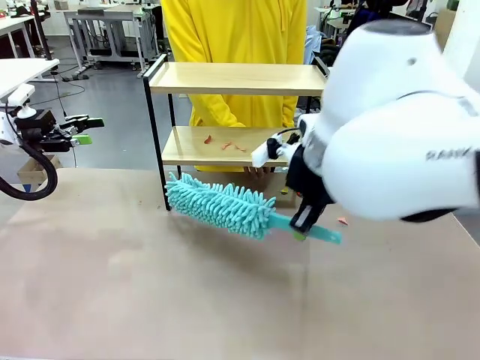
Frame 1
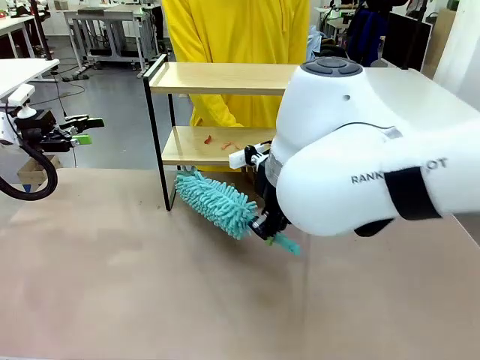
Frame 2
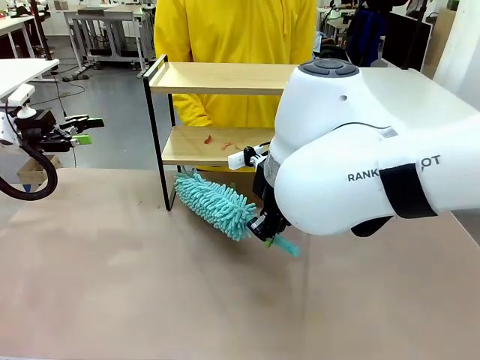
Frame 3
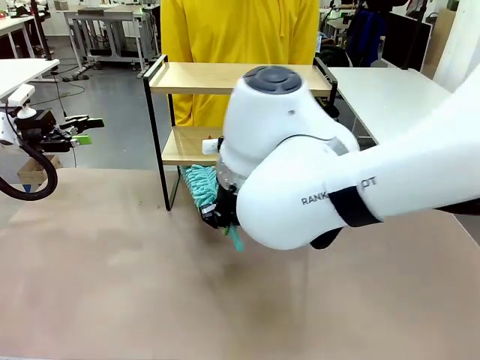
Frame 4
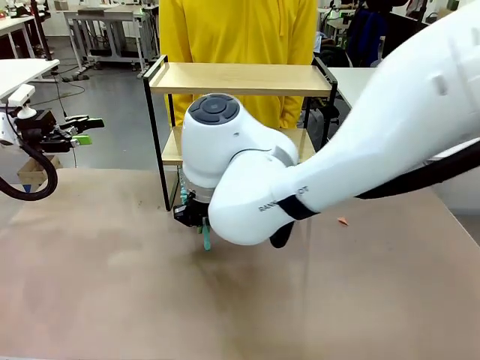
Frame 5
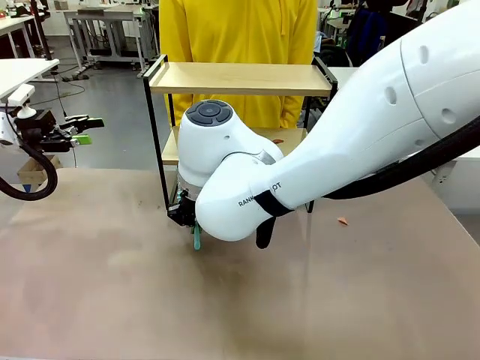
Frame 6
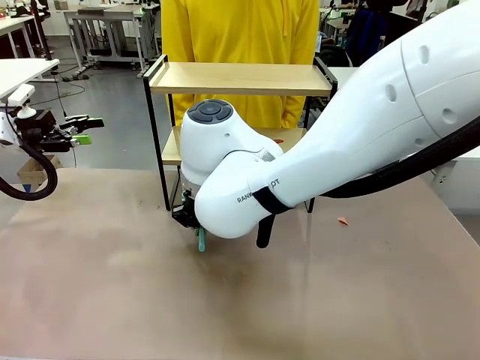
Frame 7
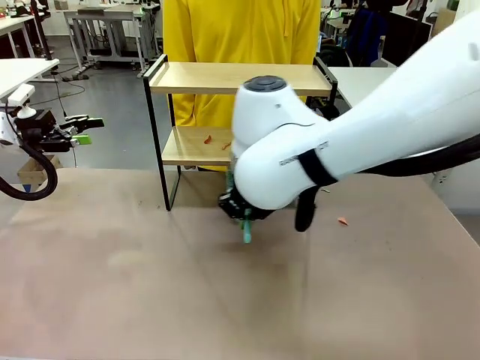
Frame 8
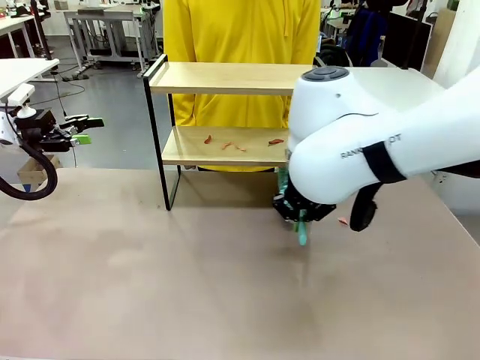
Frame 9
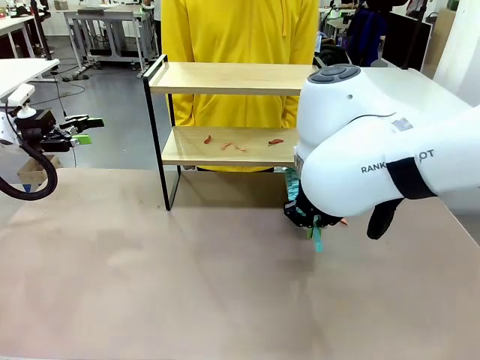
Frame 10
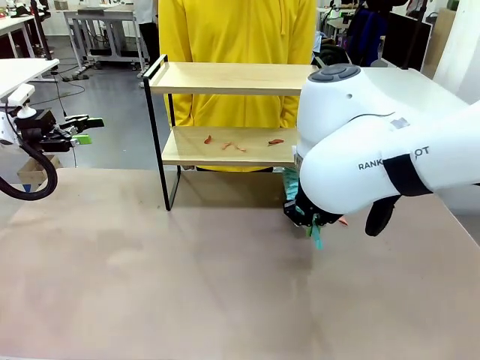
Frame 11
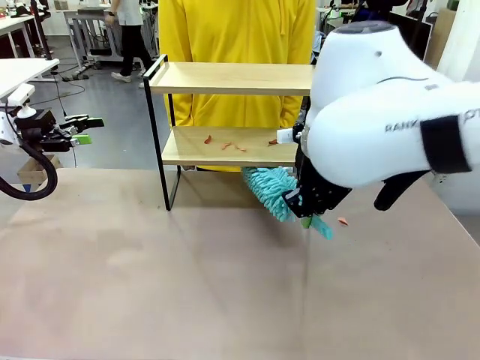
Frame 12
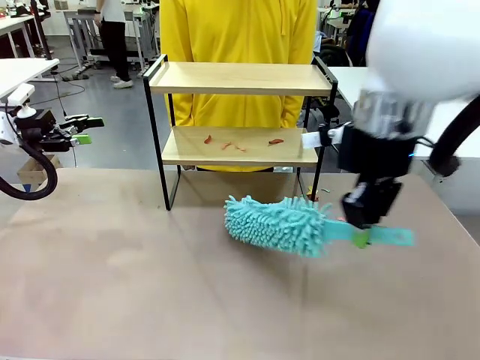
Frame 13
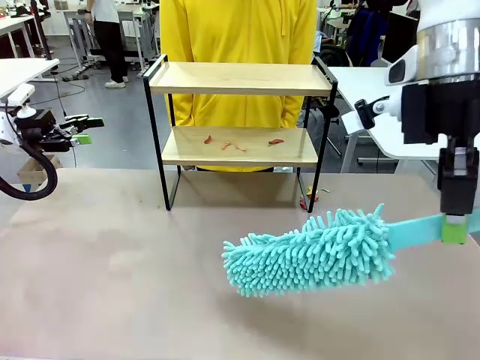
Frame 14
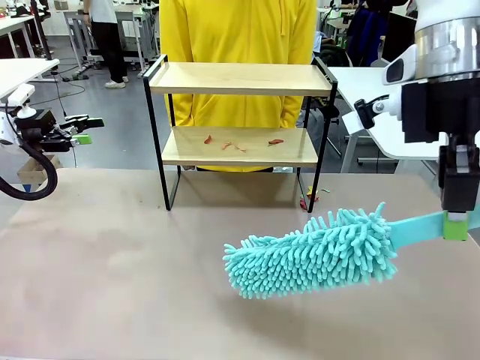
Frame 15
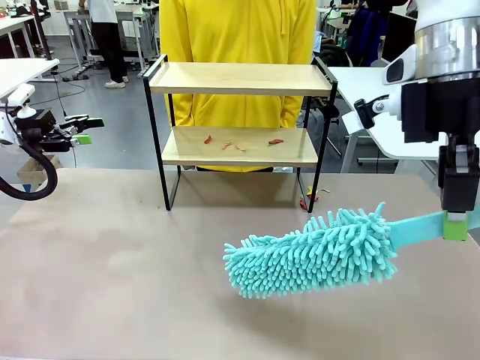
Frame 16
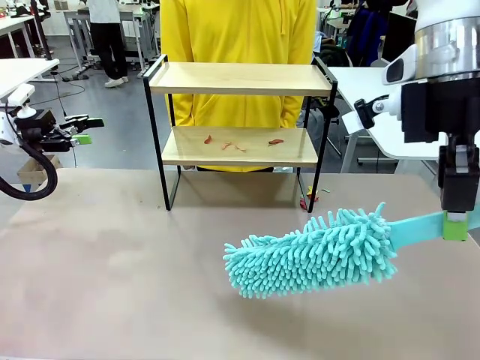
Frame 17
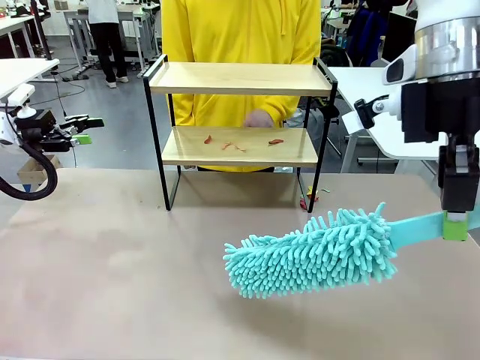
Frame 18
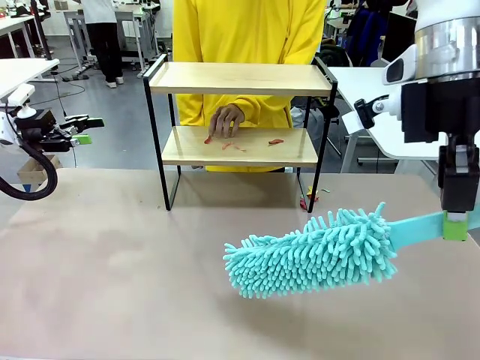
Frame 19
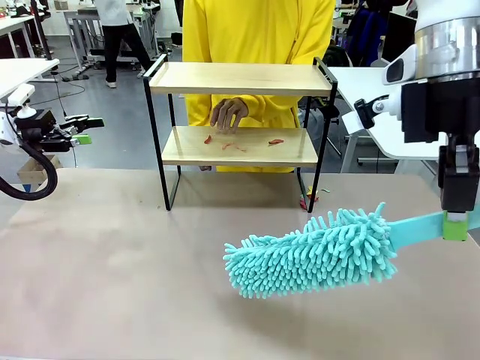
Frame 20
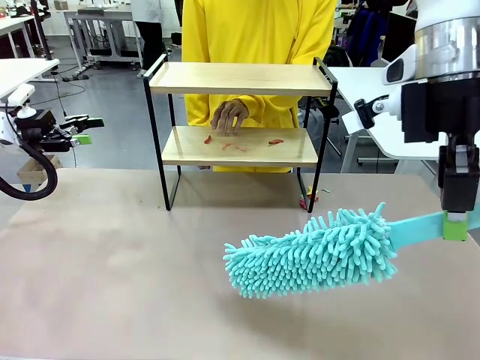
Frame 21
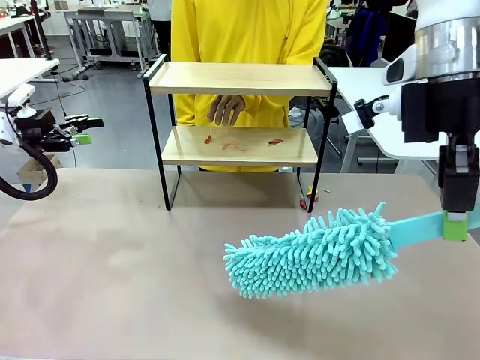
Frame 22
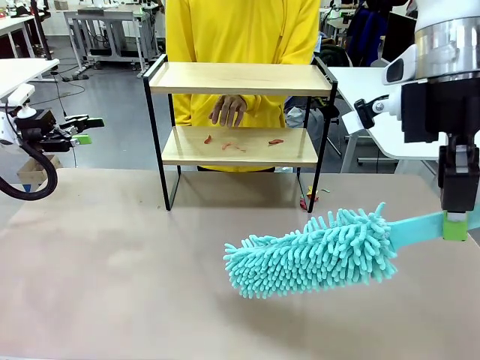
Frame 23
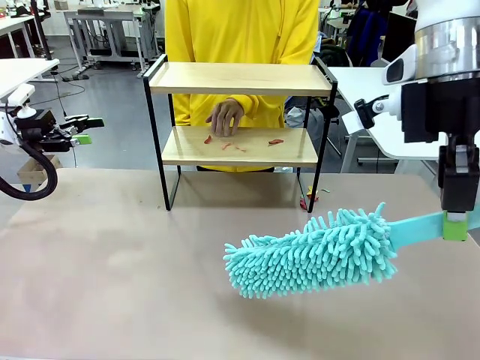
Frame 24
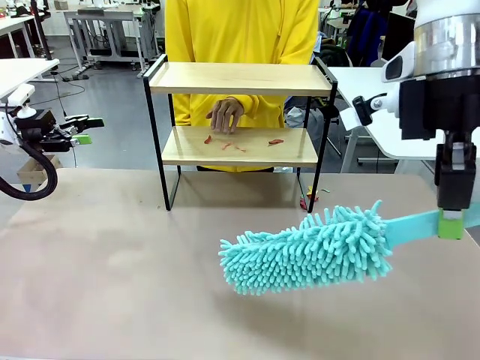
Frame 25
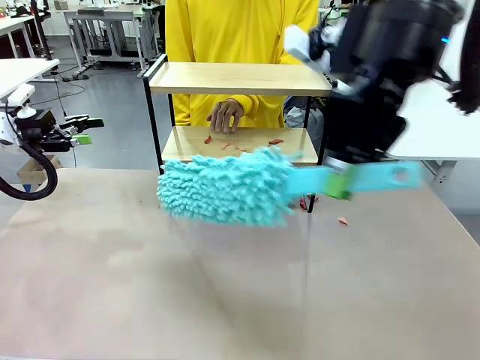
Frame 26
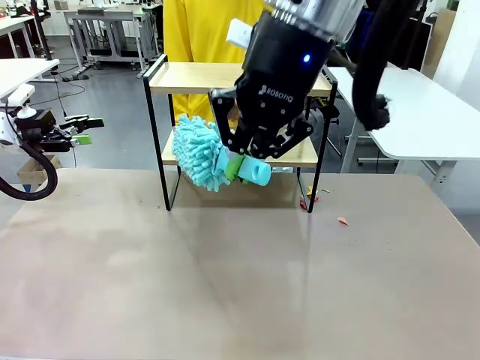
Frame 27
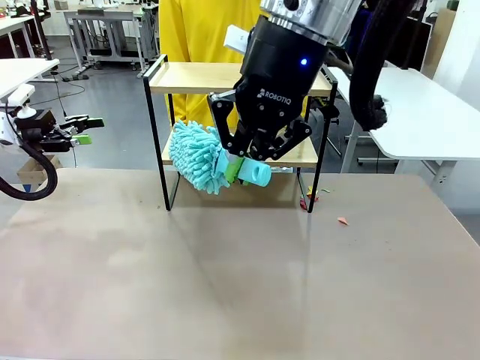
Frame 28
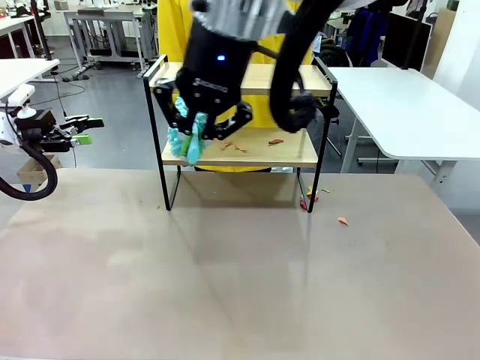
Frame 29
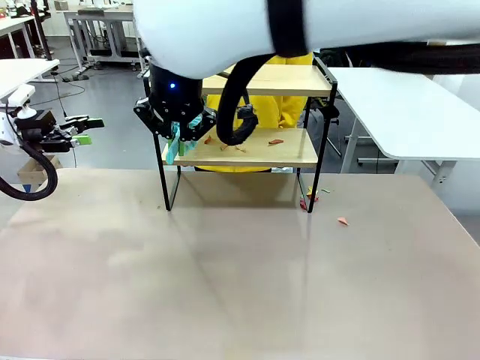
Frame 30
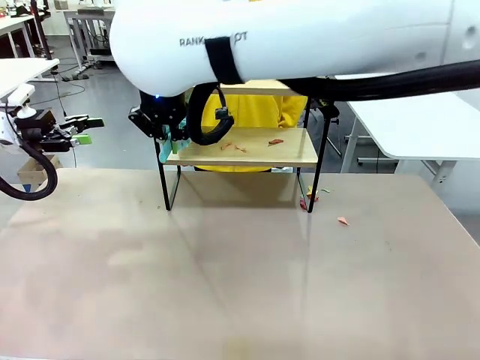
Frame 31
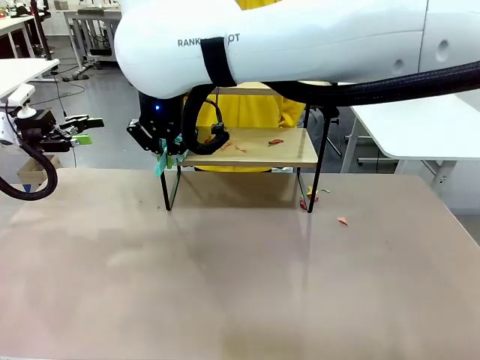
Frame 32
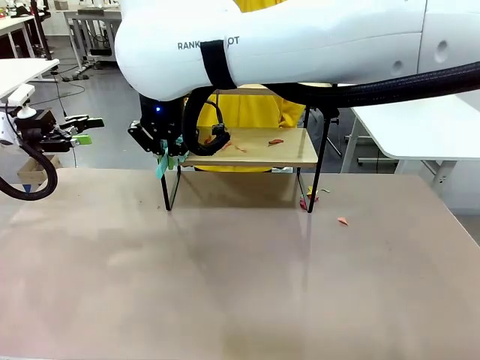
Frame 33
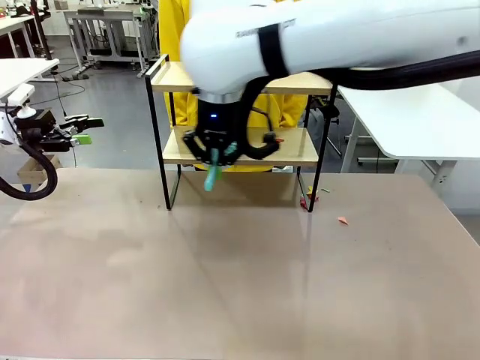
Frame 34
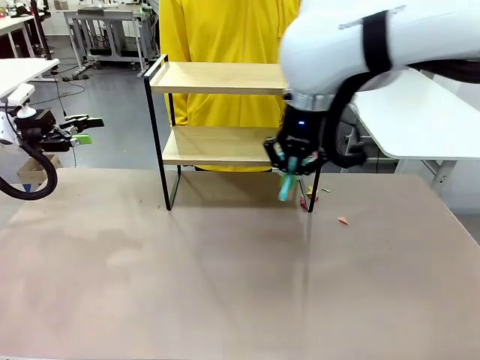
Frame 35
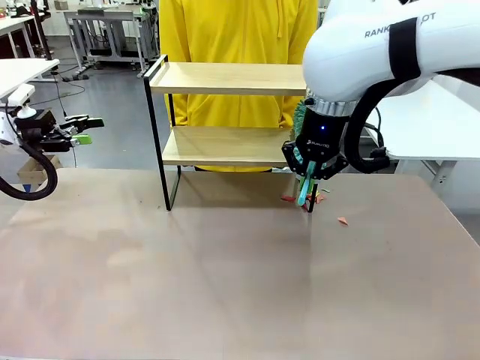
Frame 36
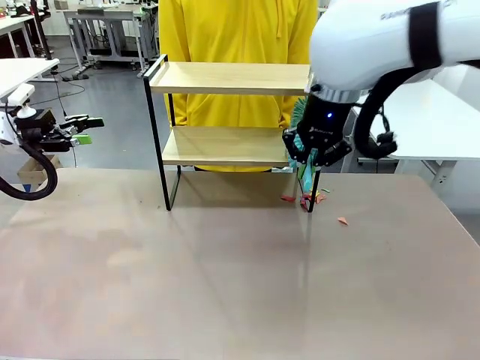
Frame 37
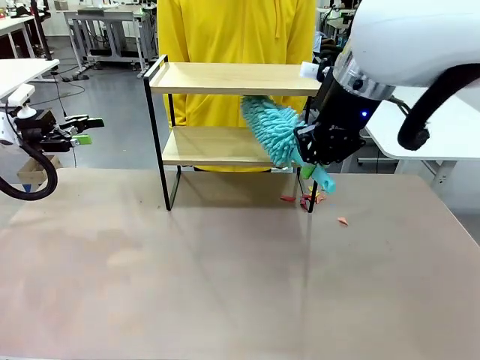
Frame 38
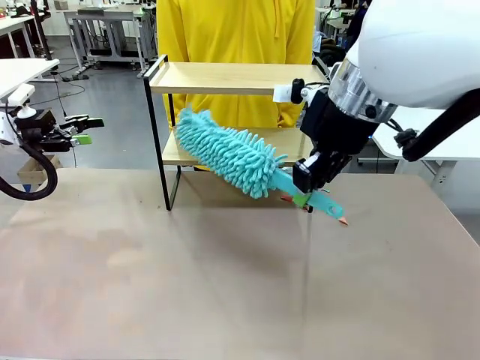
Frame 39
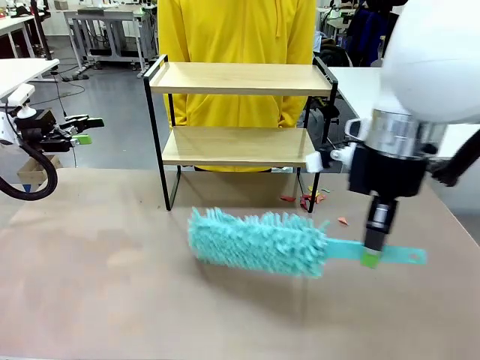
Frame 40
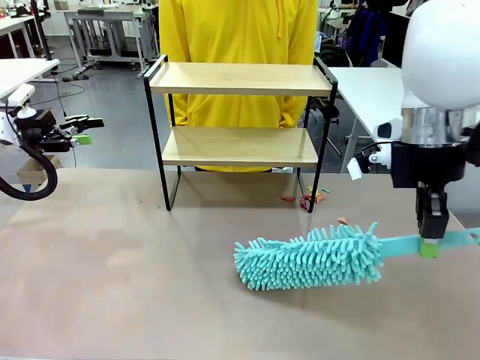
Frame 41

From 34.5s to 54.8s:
Task: Clean the shelf.
Robot: Clean the specific section of the Shelf indicated by the human with the Duster.
Person: Point a remaining section of the Shelf.

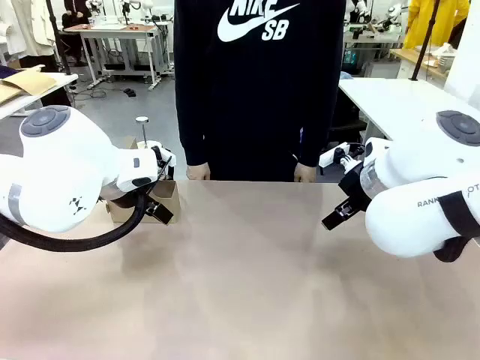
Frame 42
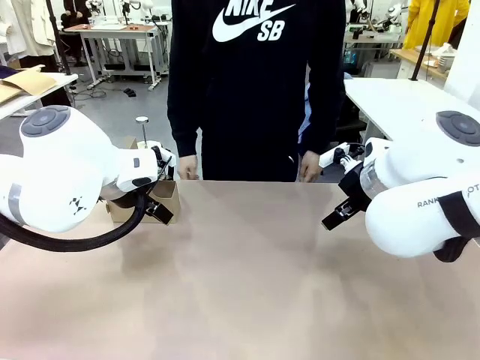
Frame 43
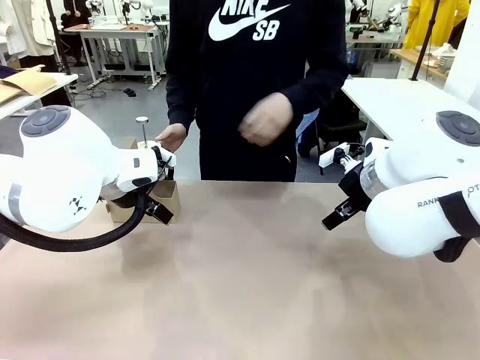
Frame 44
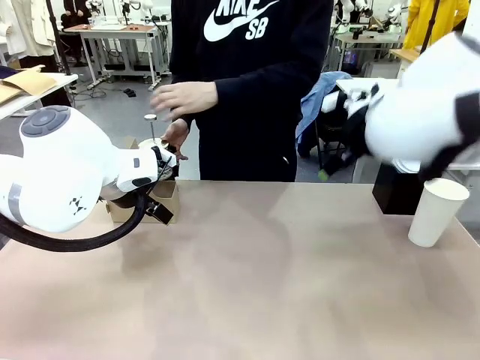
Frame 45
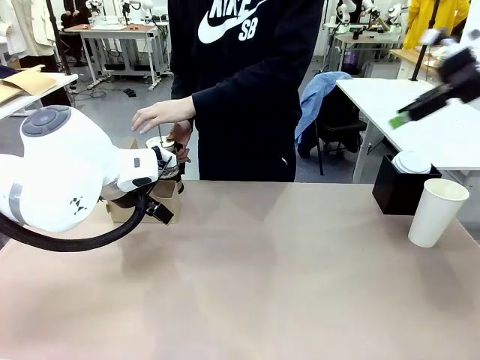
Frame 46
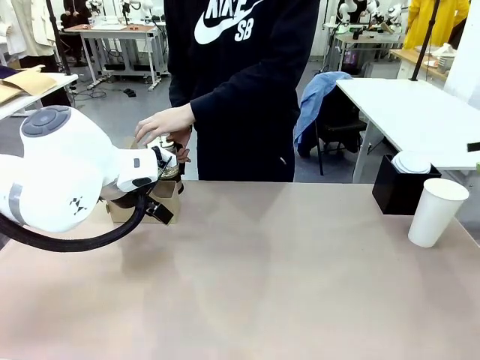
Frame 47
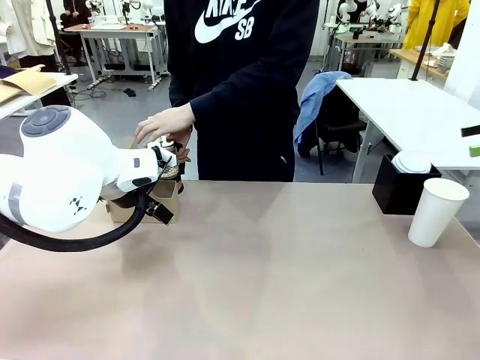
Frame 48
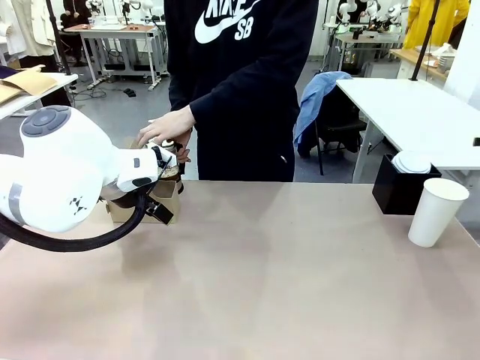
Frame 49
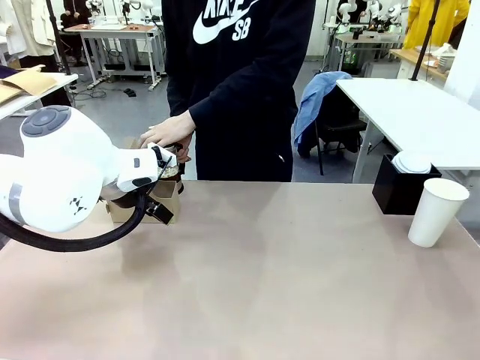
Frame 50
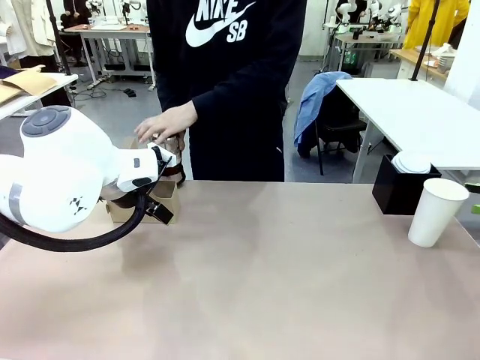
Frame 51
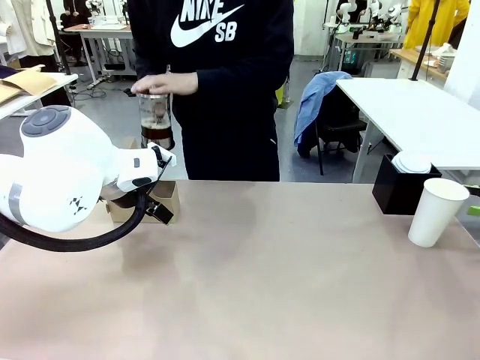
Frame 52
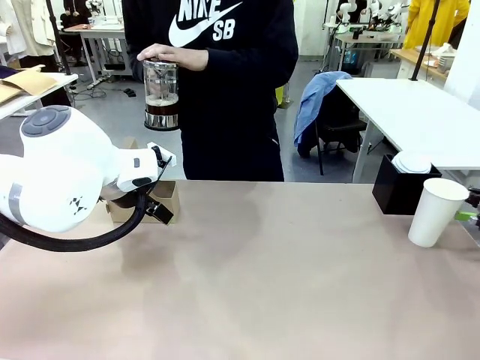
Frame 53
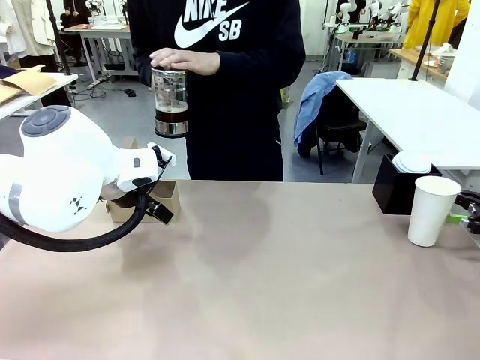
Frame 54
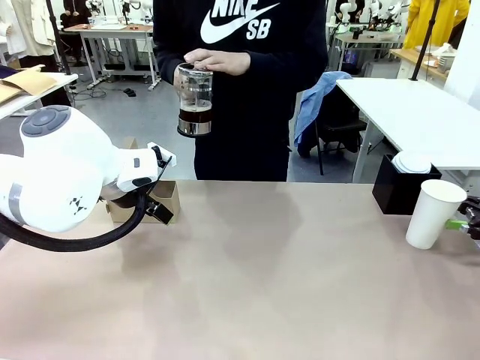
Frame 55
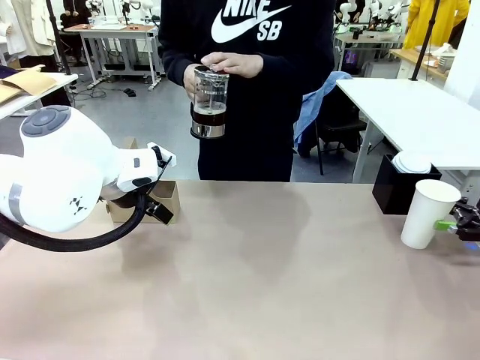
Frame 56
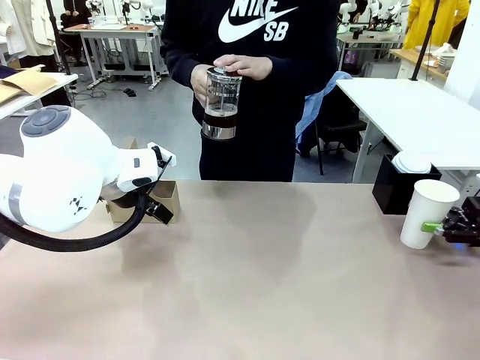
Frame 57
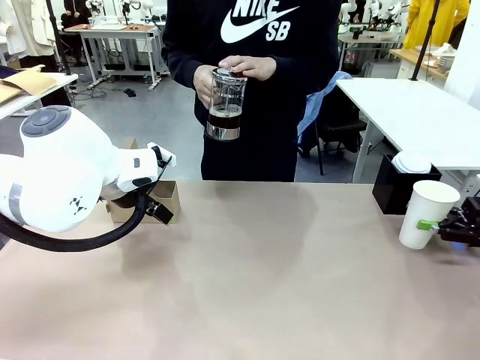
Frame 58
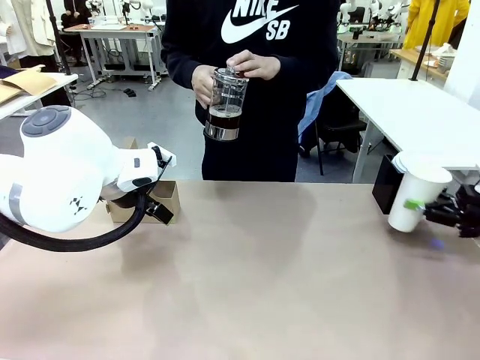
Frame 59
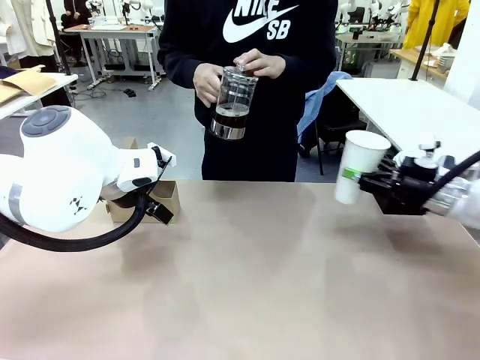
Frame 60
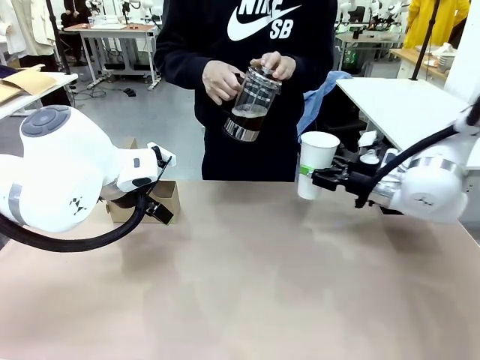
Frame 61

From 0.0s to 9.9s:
Task: Pour a drink into a cup and package it in a carrier.
Robot: Pick up the 600 ml Paper Cup and place it in the middle top area of the table.
Person: Press and pick up the Filter Brewing.
